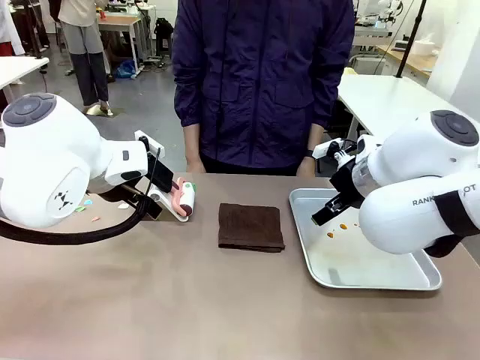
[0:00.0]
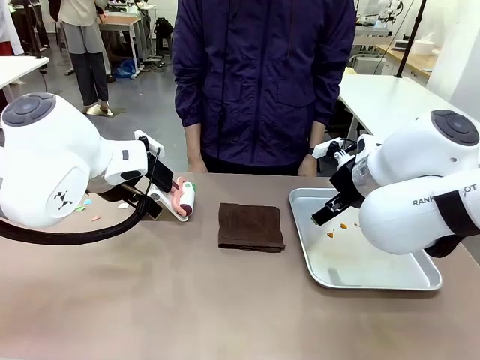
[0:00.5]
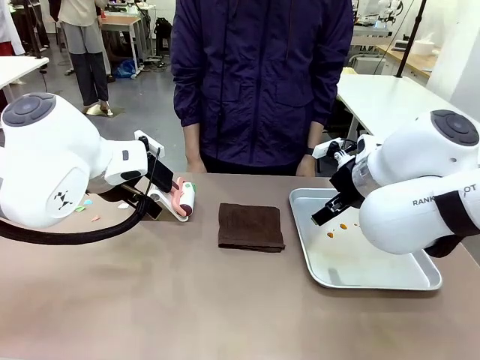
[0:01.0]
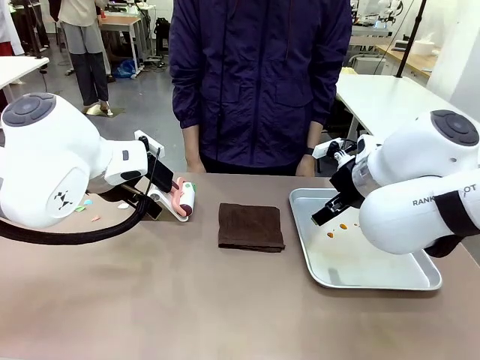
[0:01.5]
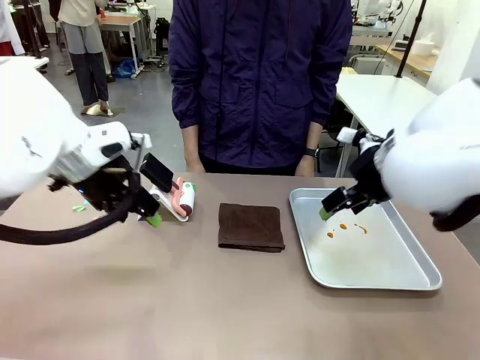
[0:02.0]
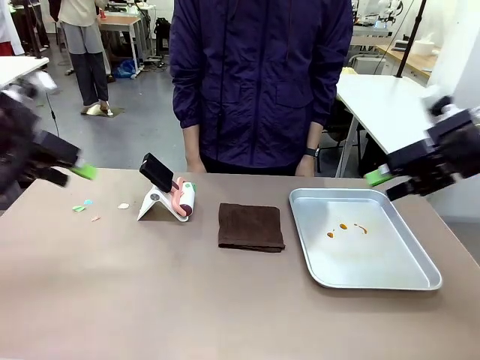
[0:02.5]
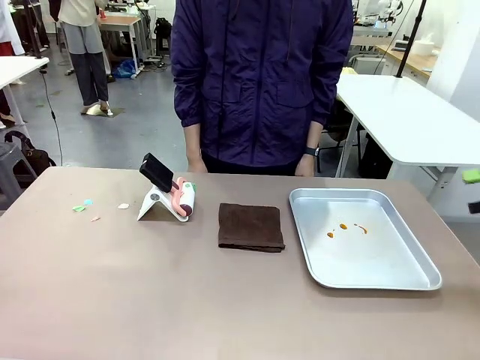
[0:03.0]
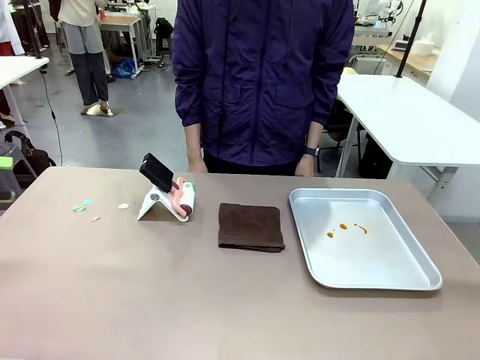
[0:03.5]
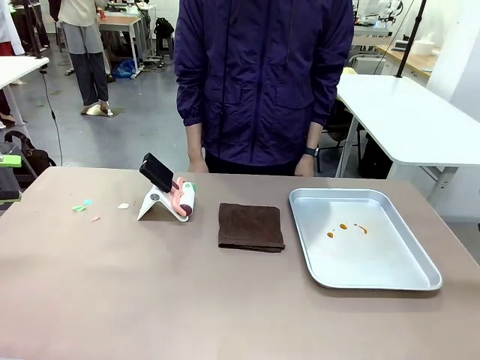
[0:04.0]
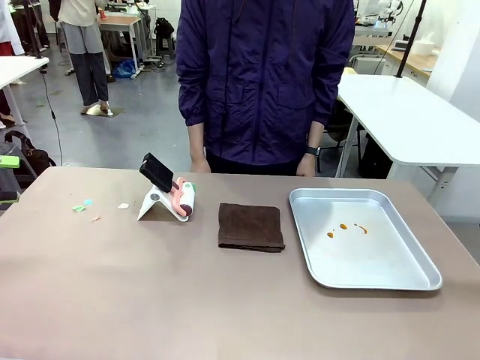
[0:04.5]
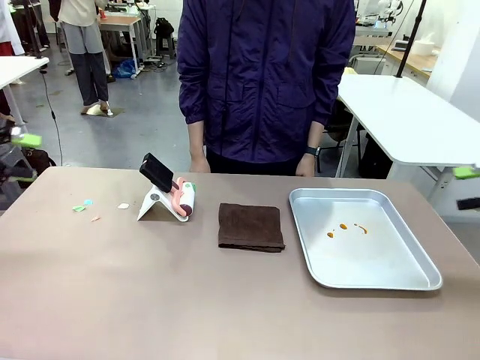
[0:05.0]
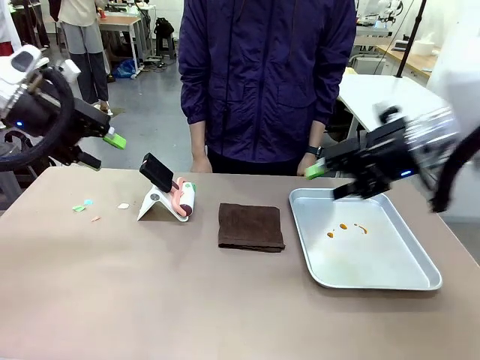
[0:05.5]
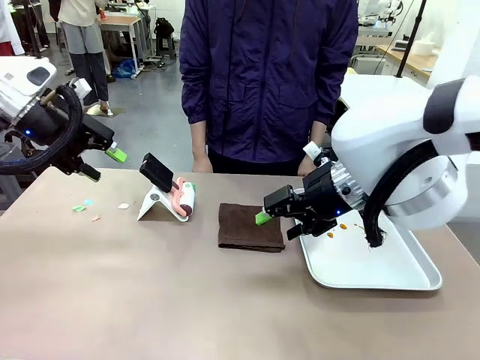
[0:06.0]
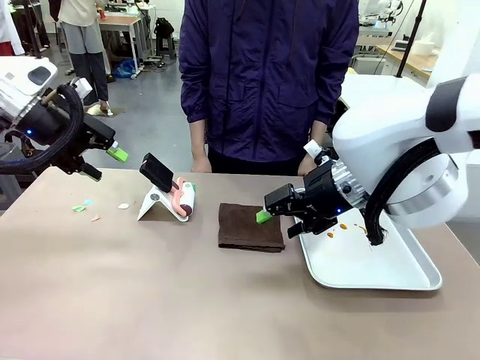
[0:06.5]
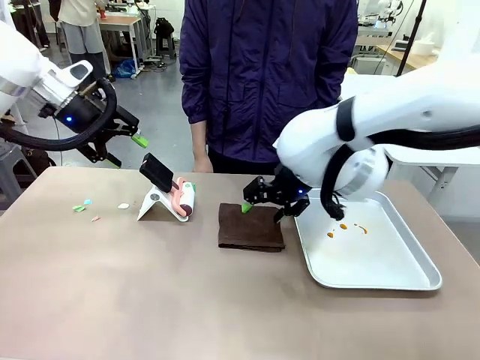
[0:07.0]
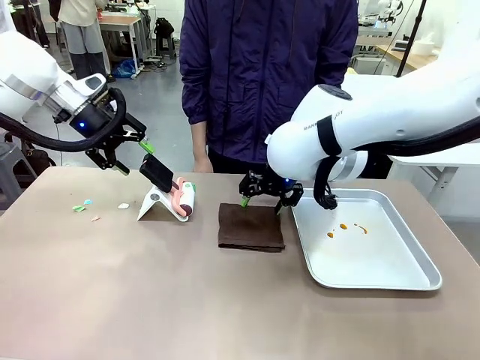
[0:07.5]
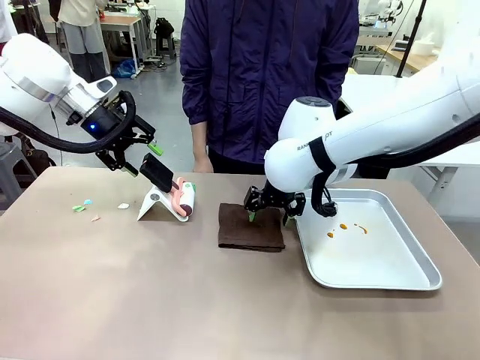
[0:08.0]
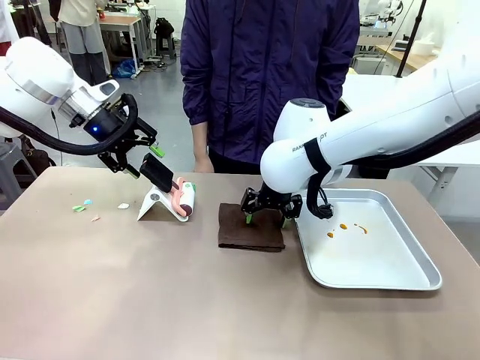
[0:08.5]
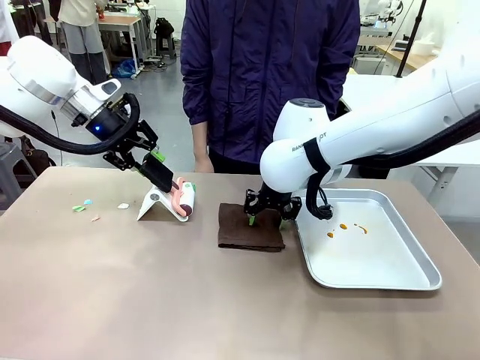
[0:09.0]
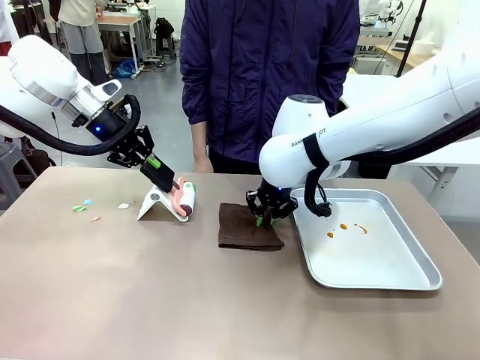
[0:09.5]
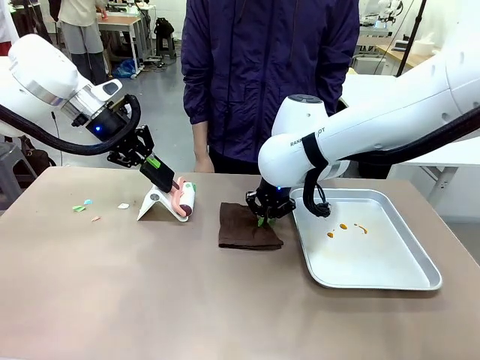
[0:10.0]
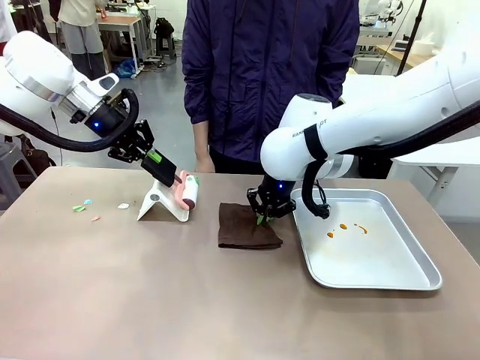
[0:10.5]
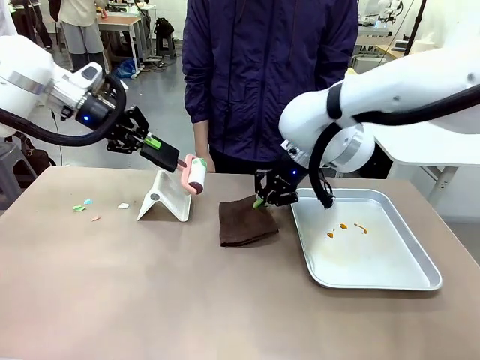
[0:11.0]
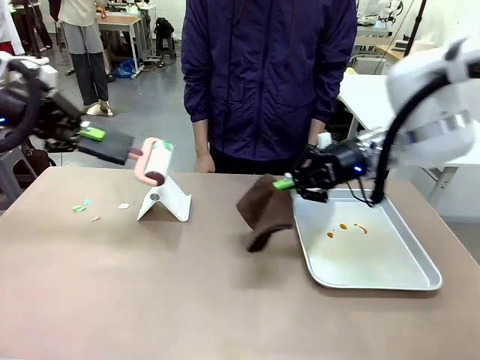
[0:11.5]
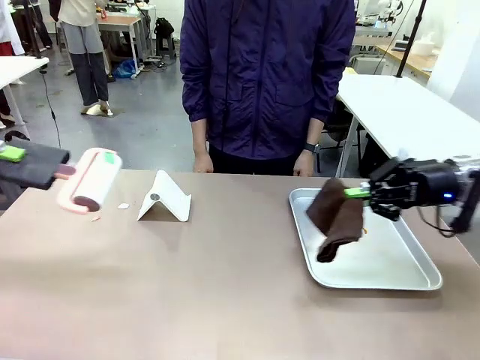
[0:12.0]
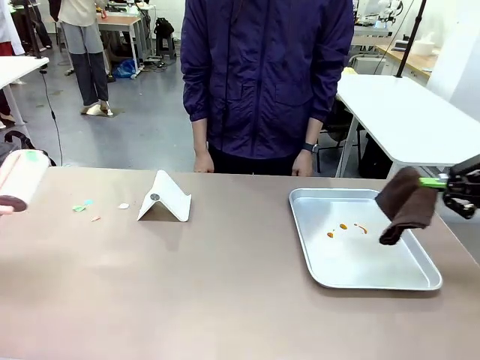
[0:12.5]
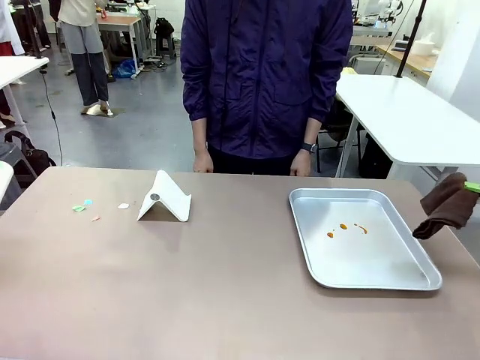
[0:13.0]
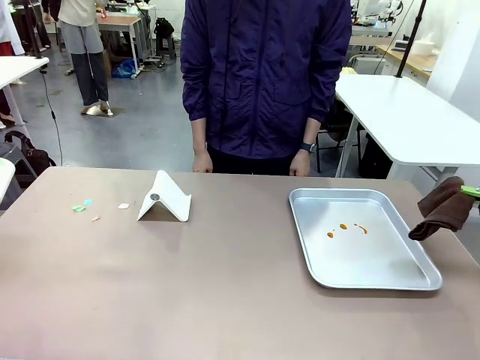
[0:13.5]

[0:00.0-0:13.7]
Task: Clean the surface of the table.
Robot: Hold the Lint Roller with your left hand and the towel with your right hand.

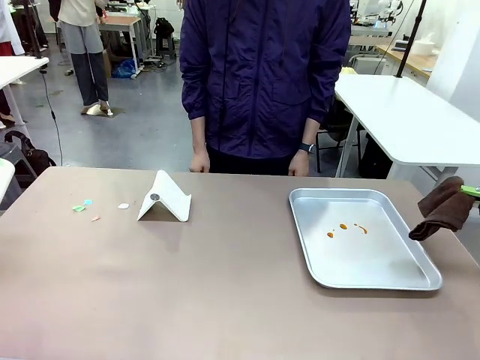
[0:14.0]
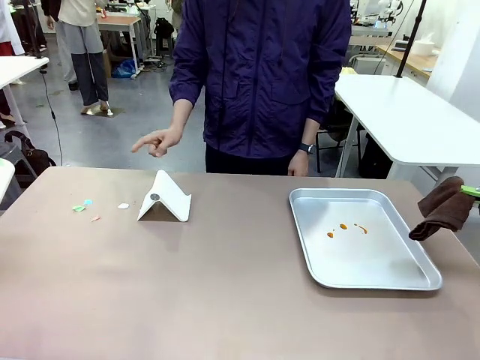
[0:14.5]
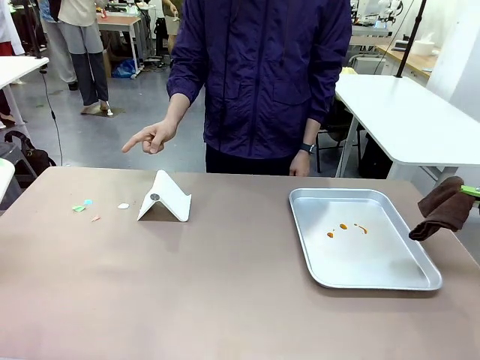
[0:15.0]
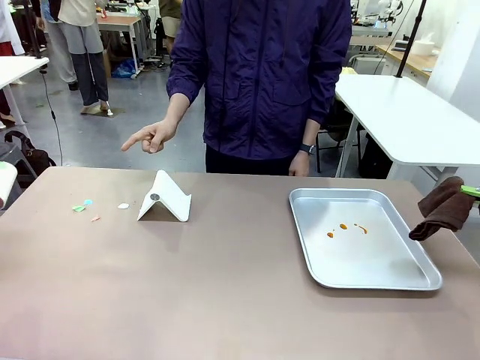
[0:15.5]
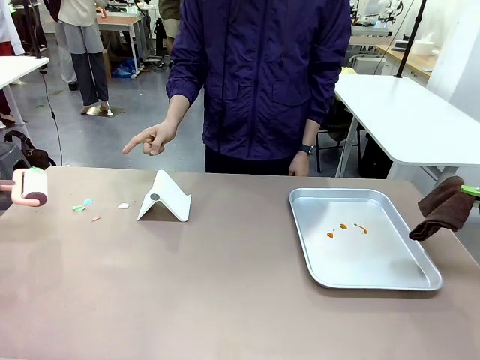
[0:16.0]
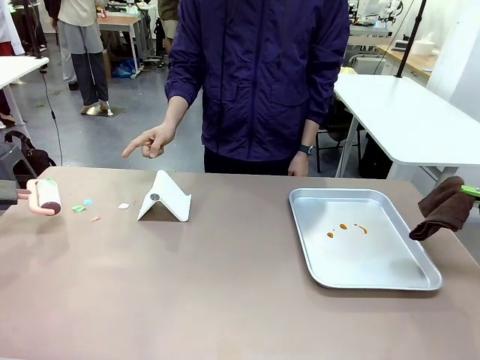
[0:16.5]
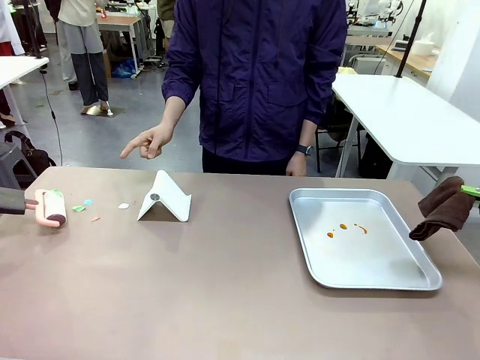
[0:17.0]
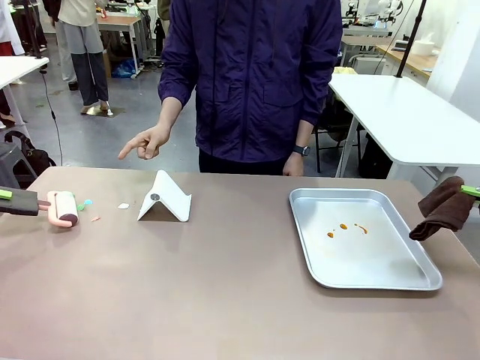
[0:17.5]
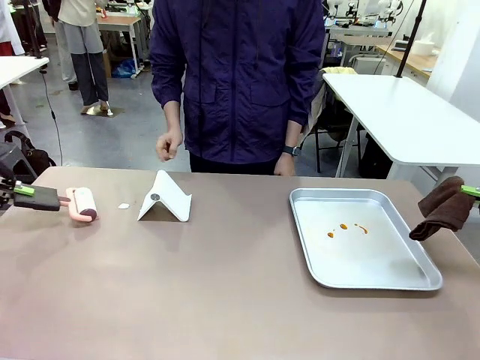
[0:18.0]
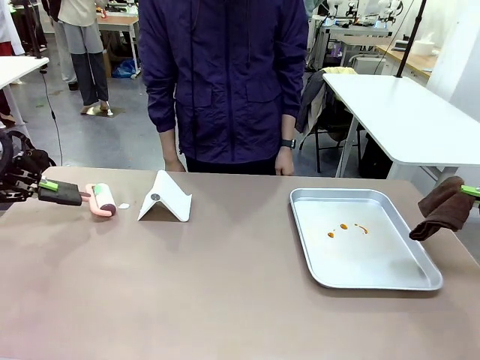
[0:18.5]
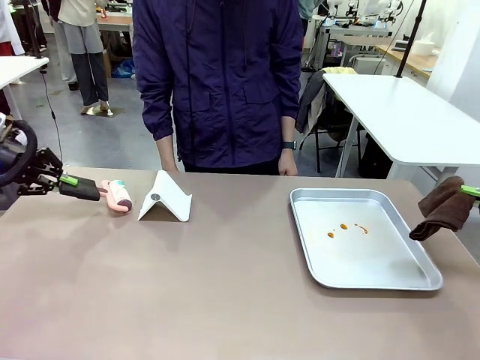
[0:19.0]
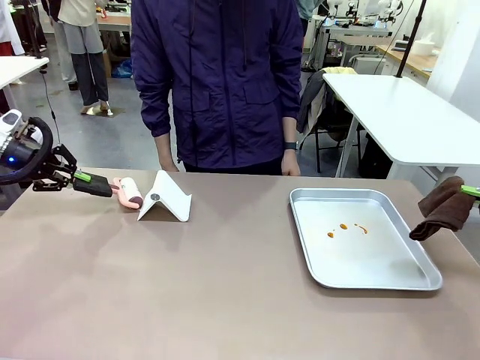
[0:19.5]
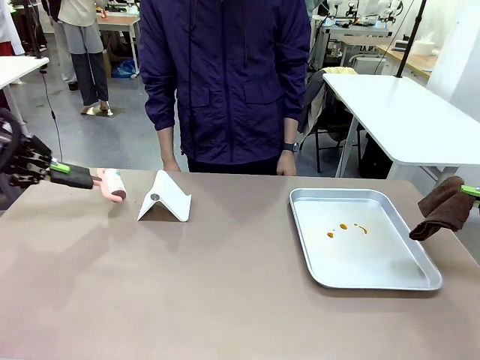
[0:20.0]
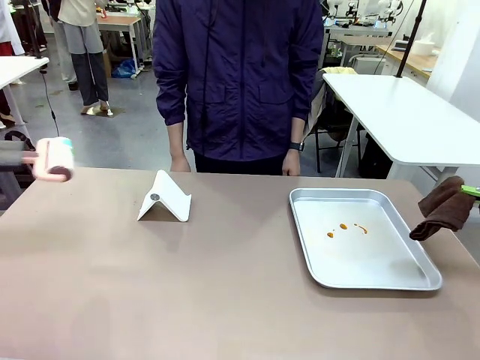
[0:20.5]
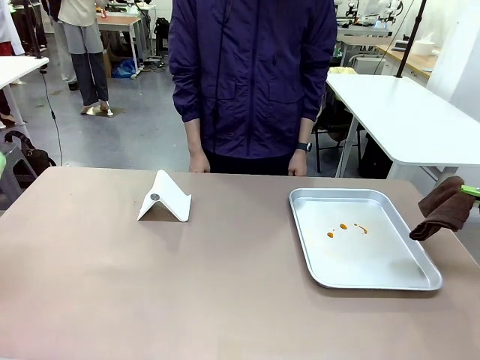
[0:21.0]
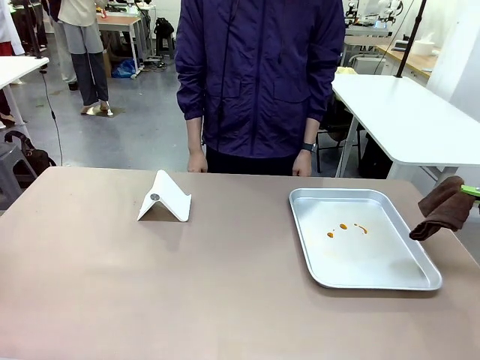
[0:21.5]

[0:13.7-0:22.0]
Robot: If a person points to the right, clean the right side of the table with your right hand, and if they point to the left, clean the left side with your left hand.

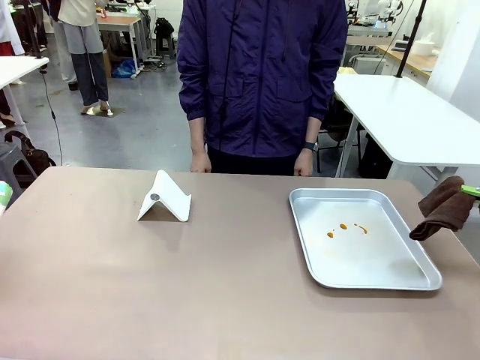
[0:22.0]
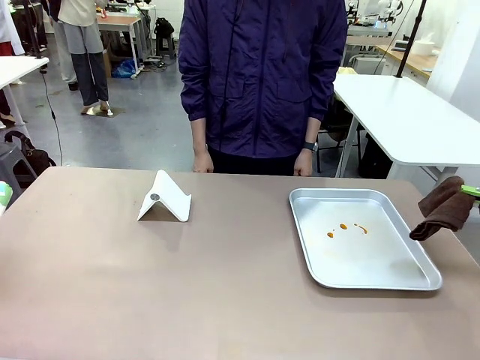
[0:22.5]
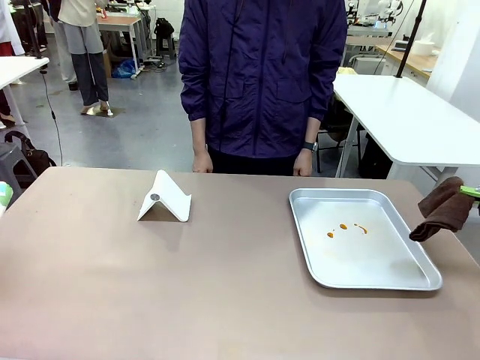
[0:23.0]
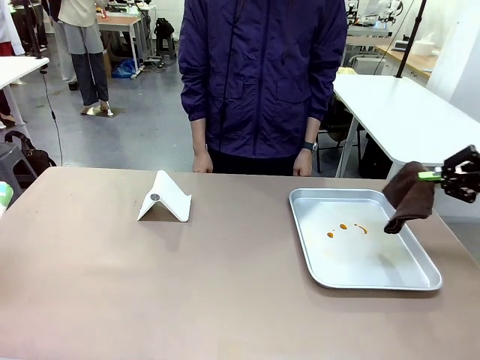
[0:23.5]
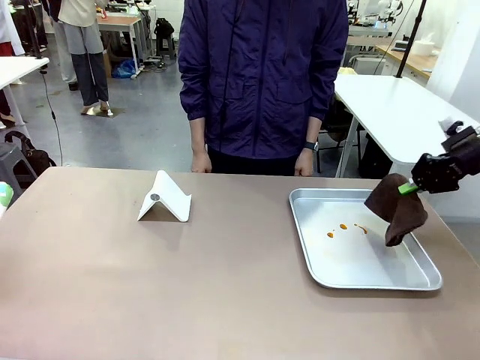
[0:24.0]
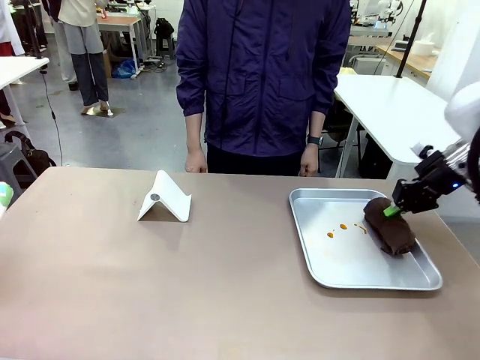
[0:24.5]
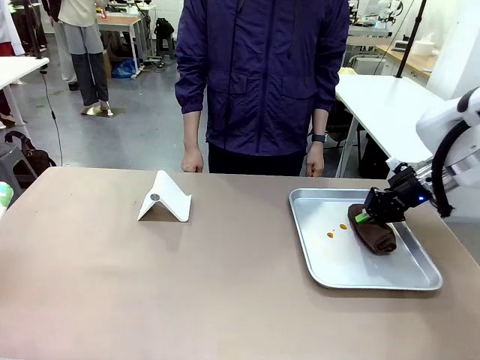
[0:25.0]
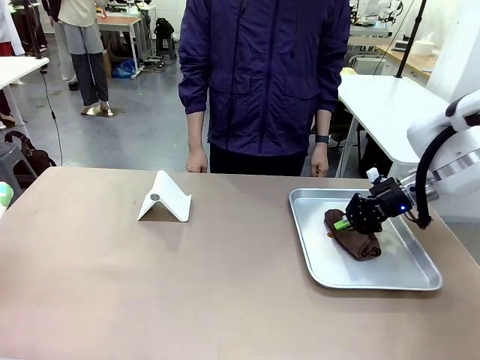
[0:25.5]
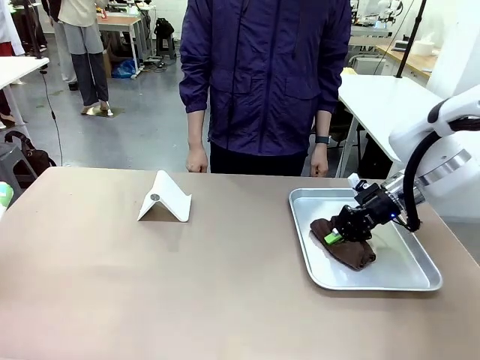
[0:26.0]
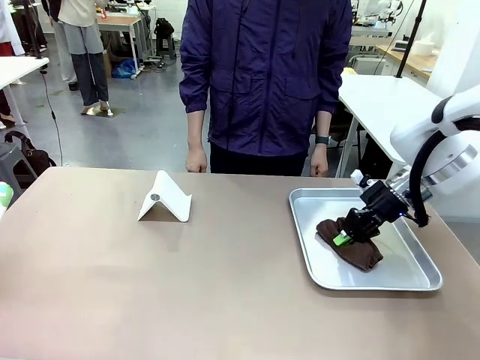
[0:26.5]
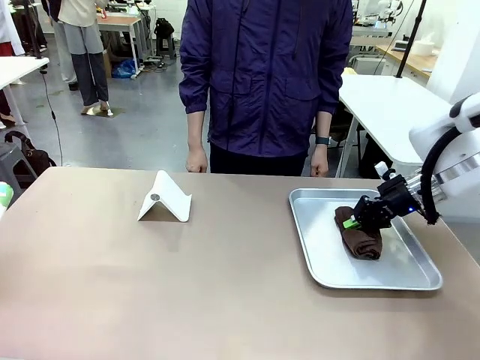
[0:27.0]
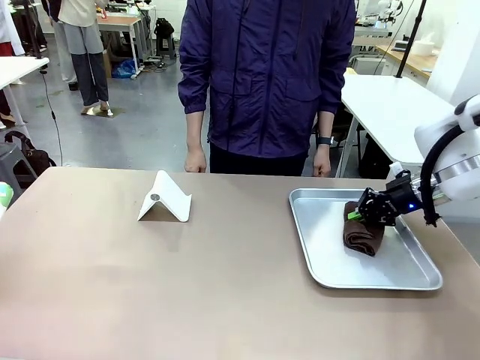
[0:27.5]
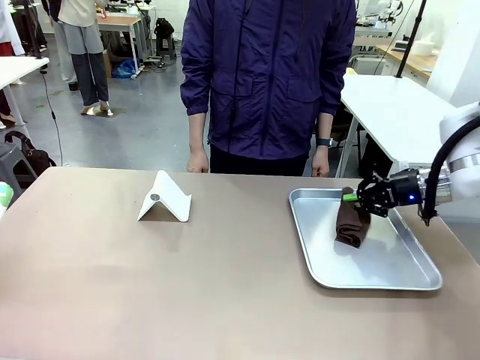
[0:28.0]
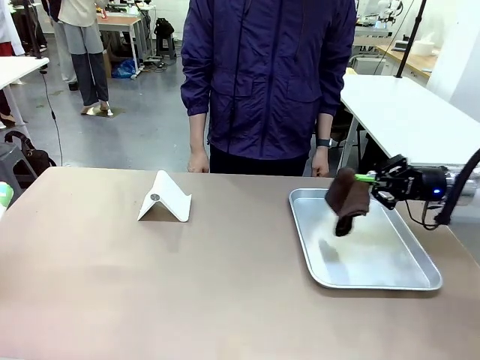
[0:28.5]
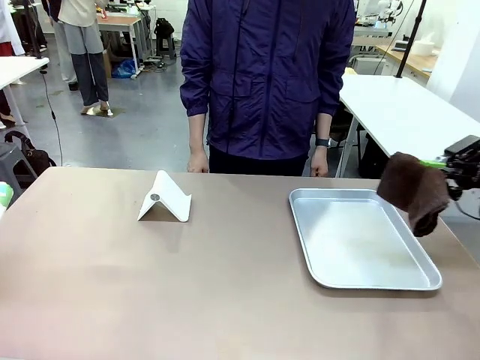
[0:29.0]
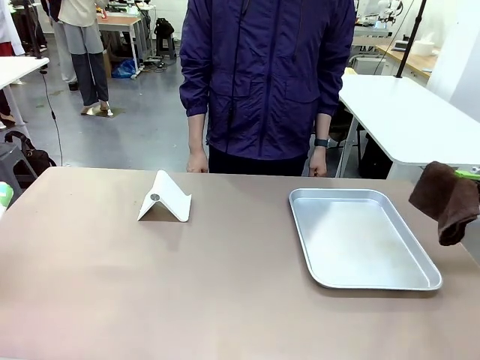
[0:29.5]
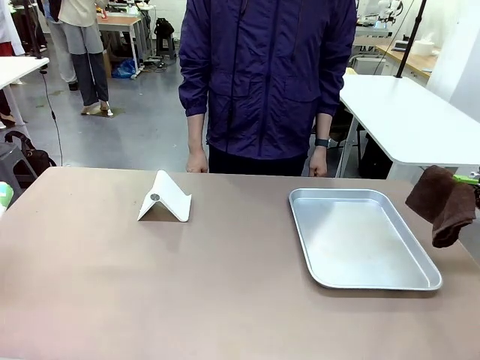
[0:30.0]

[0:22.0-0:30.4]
Robot: Clean the area not pointed to by the person.
